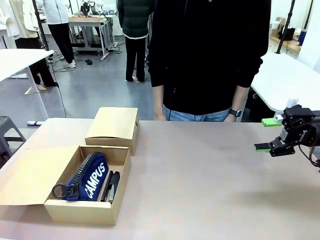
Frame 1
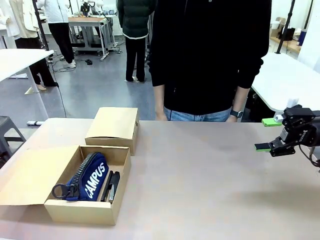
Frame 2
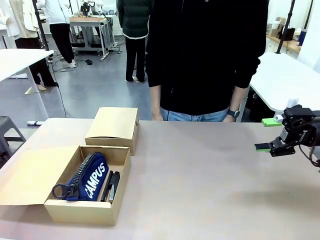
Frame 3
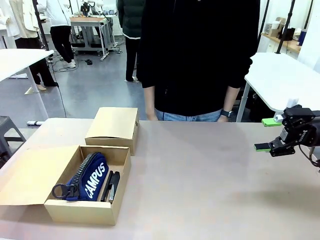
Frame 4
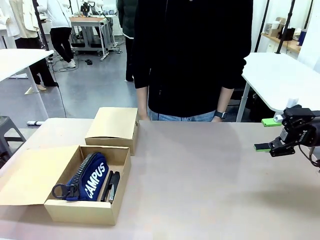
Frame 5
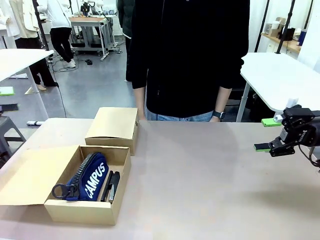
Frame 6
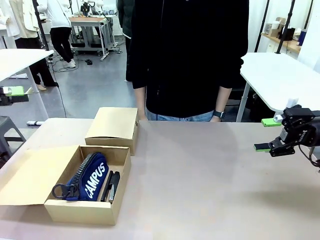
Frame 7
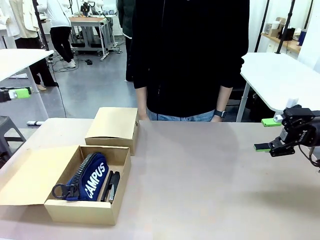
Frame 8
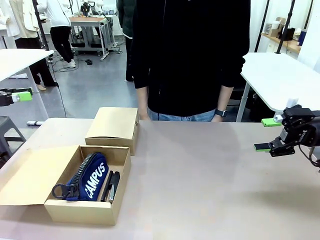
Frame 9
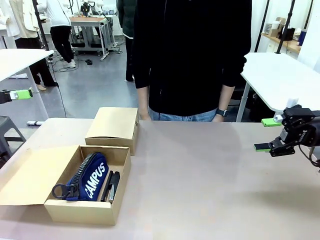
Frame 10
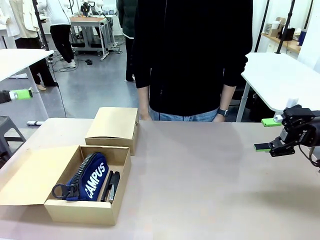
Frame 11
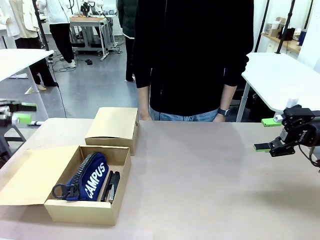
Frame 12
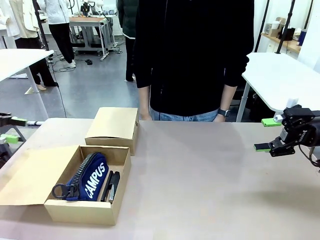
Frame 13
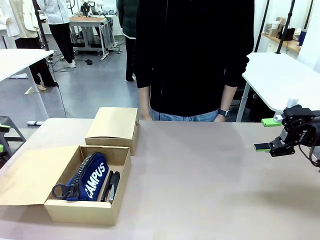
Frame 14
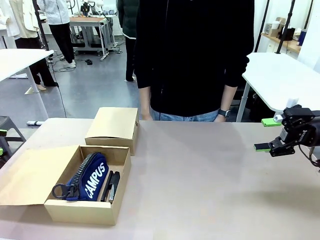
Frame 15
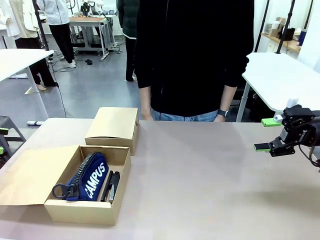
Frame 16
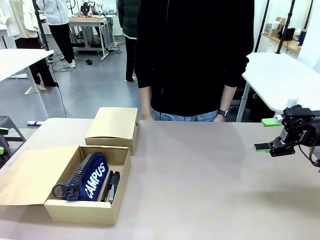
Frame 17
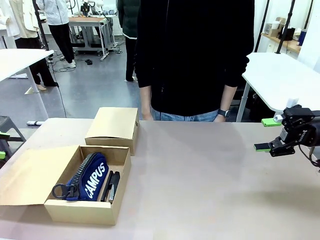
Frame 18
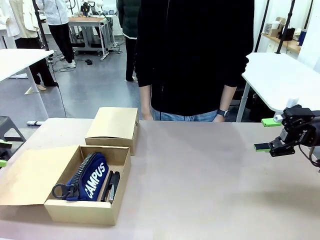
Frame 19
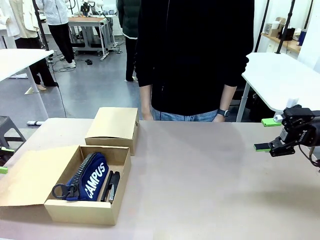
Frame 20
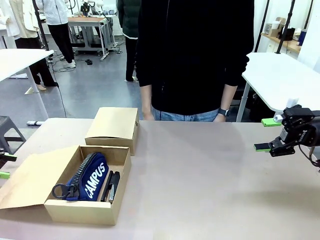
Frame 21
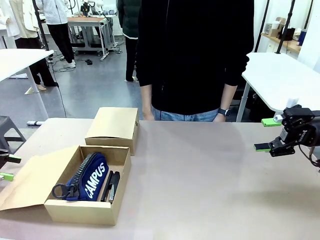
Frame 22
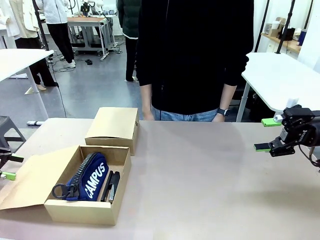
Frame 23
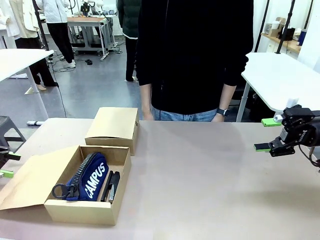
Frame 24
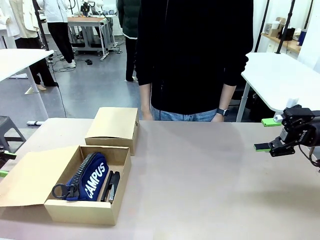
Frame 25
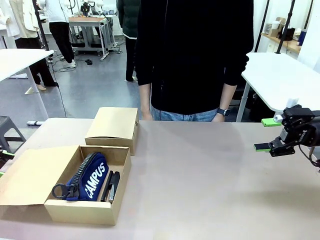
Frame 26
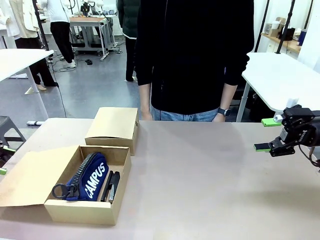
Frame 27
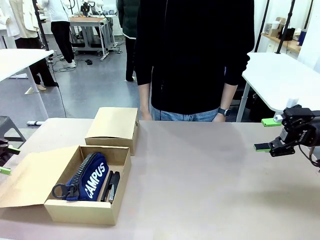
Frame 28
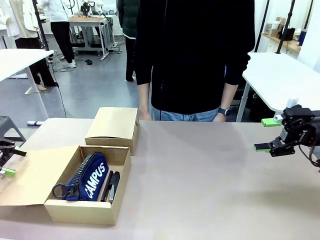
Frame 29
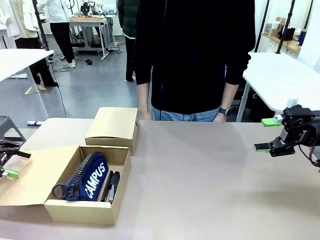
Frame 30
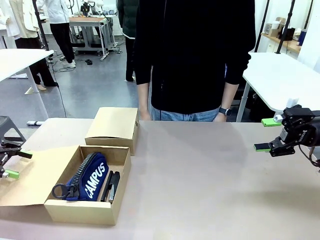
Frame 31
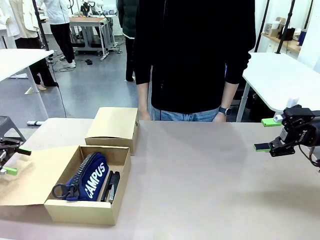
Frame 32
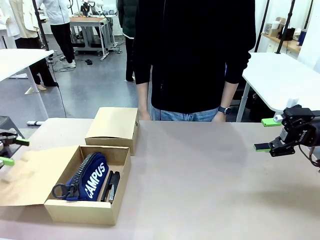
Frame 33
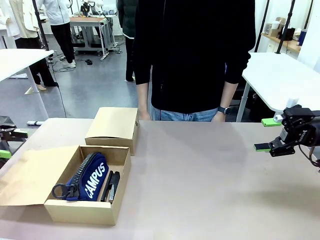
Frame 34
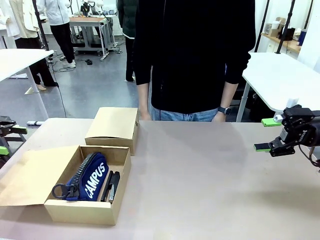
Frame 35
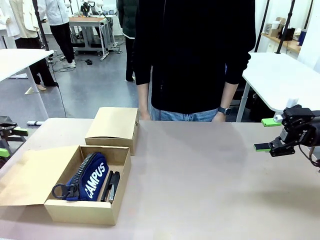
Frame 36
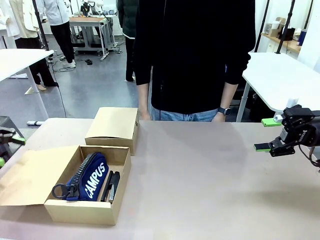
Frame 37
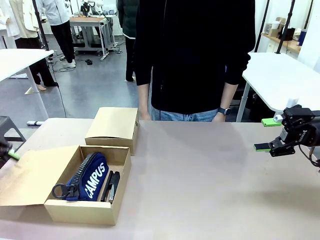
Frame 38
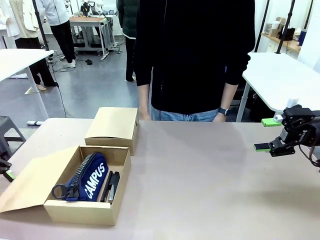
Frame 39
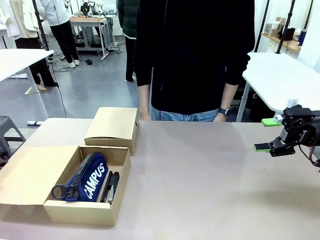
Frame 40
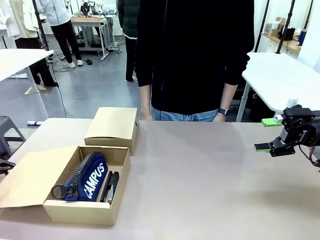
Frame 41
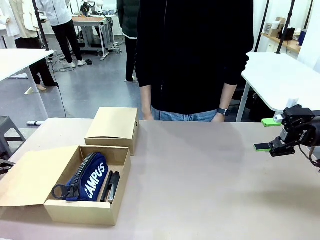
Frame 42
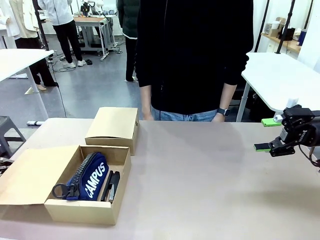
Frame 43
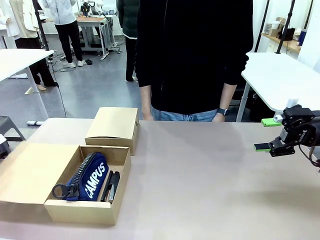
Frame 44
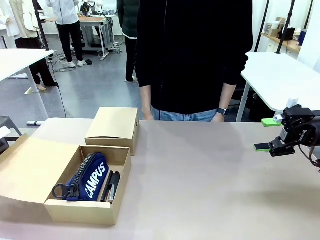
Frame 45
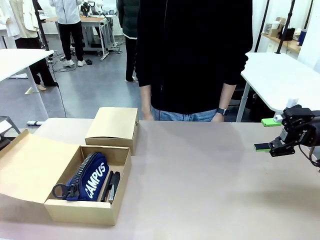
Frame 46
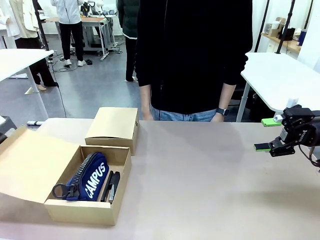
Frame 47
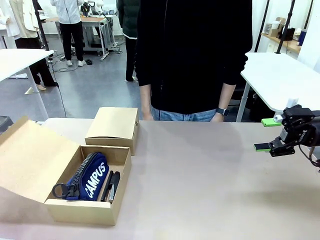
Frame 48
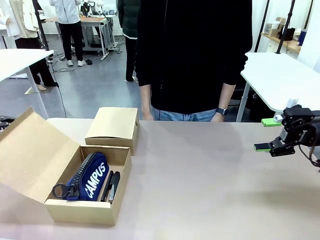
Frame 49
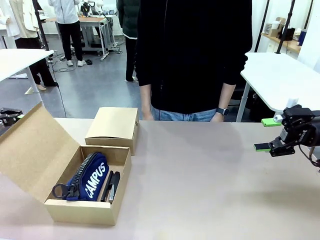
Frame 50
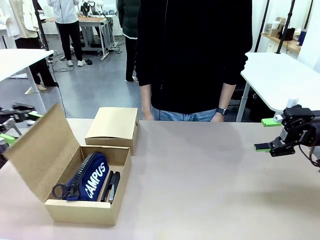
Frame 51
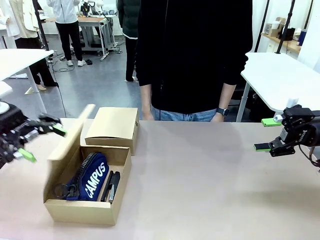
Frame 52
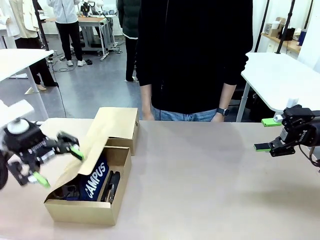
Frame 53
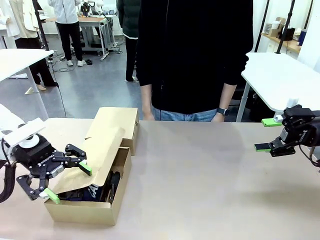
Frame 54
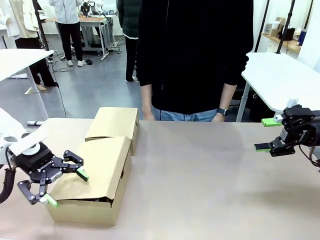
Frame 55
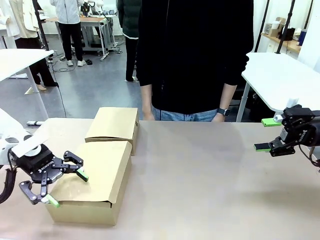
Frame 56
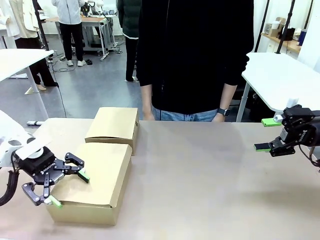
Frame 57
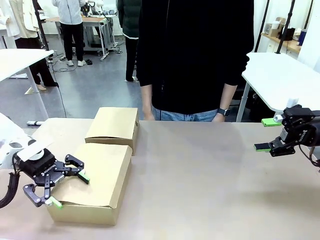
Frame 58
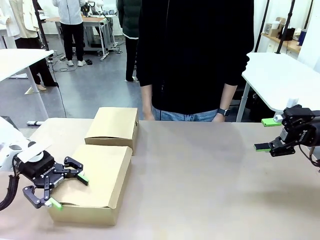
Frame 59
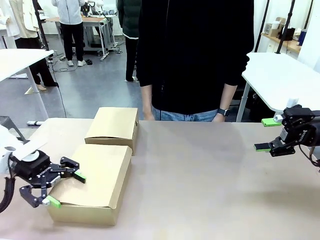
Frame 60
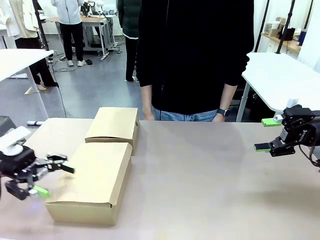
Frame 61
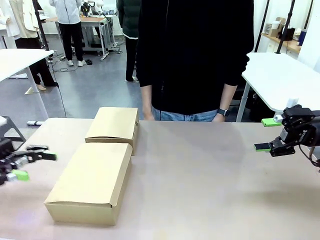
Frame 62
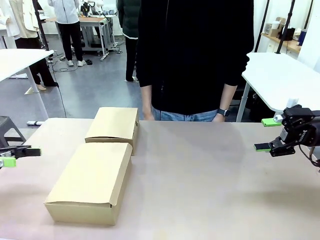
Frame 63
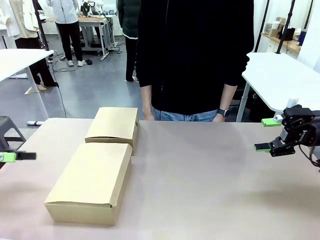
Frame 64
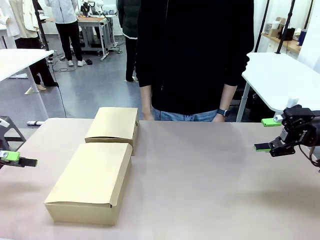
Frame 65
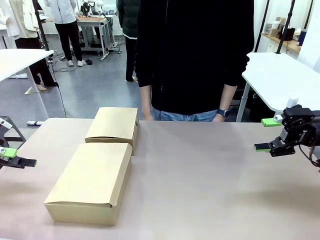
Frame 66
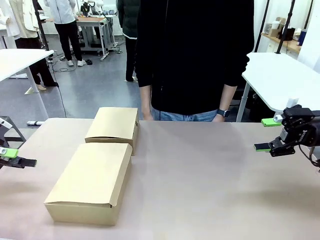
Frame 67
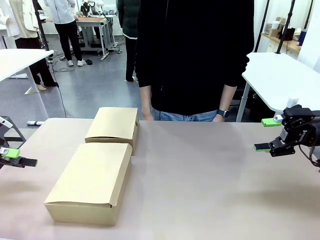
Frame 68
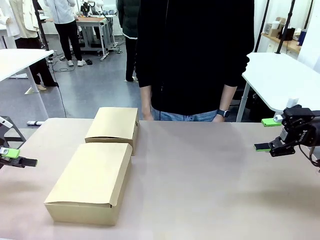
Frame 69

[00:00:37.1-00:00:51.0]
Task: Place items inside the box.
Robot: Close the lid of the Mailer Box closest to the robot.
Person: Close the lid of the box facing the person.
